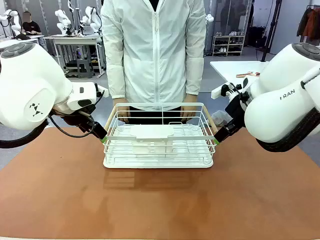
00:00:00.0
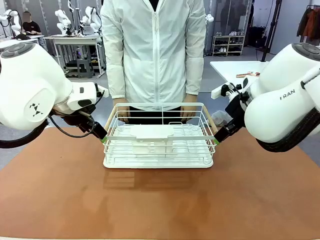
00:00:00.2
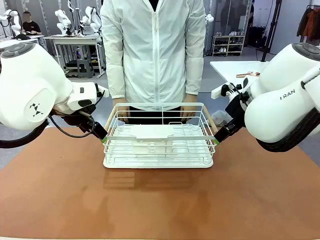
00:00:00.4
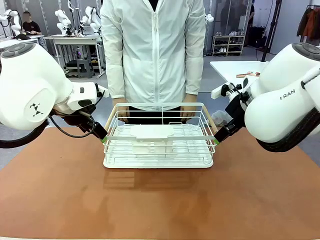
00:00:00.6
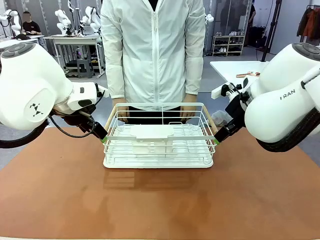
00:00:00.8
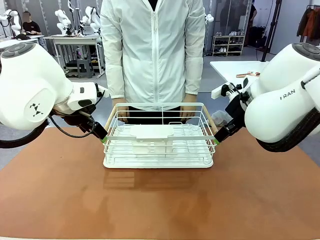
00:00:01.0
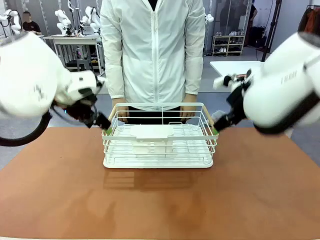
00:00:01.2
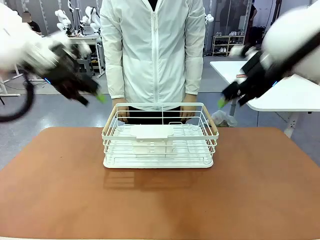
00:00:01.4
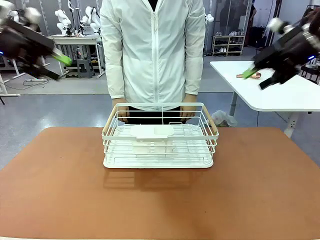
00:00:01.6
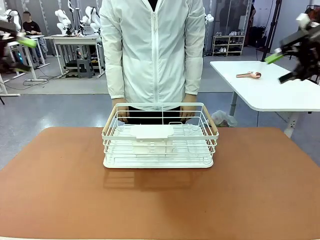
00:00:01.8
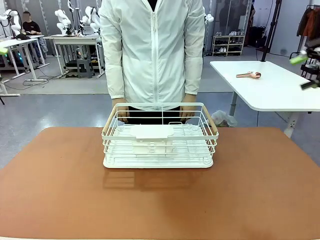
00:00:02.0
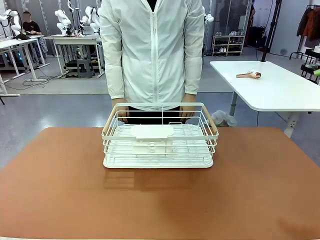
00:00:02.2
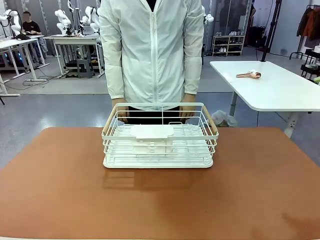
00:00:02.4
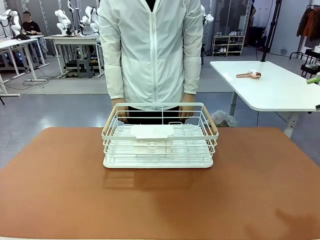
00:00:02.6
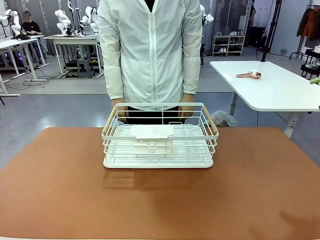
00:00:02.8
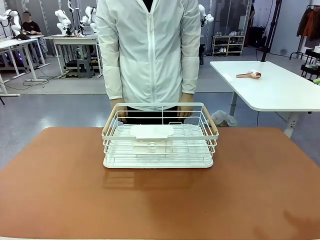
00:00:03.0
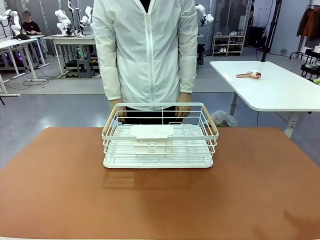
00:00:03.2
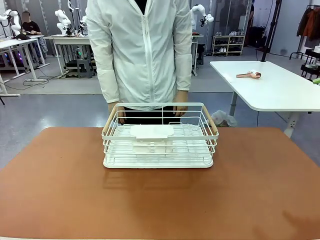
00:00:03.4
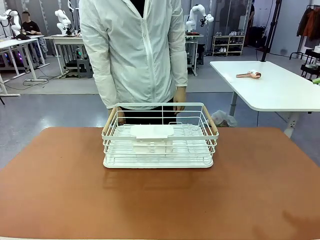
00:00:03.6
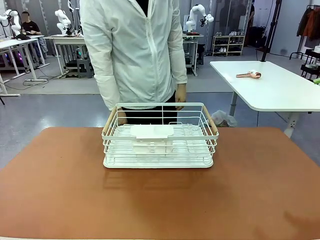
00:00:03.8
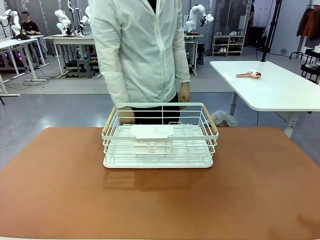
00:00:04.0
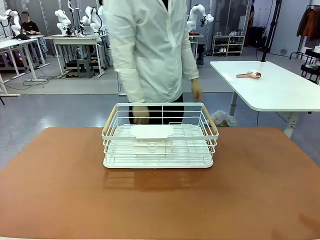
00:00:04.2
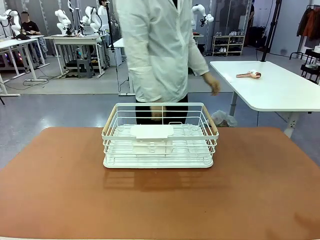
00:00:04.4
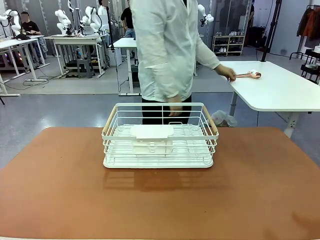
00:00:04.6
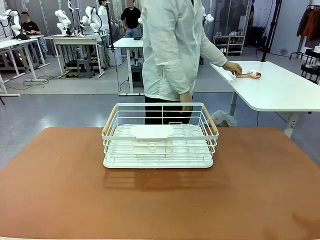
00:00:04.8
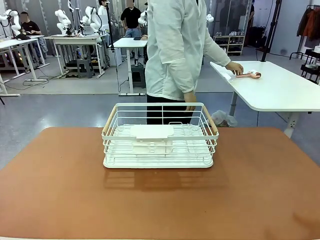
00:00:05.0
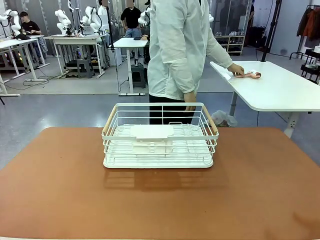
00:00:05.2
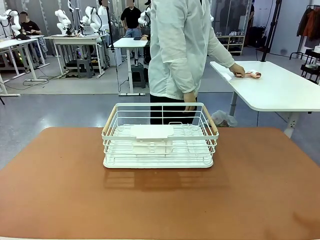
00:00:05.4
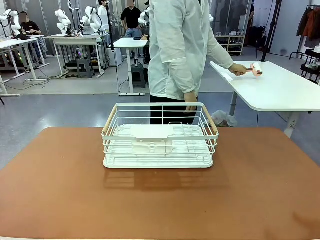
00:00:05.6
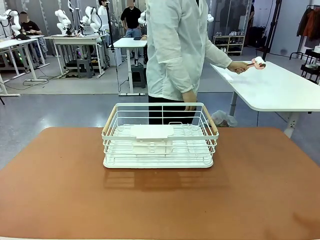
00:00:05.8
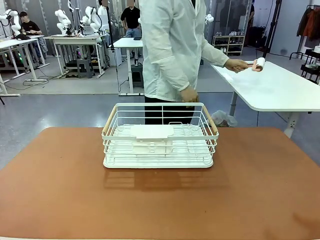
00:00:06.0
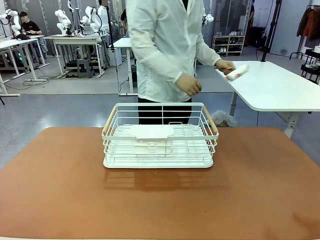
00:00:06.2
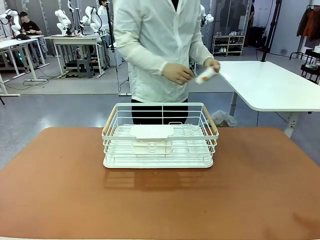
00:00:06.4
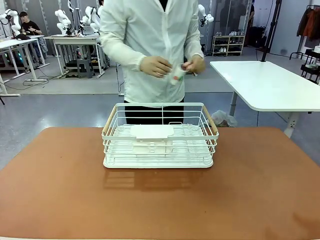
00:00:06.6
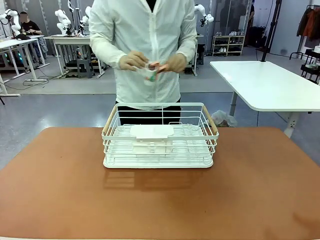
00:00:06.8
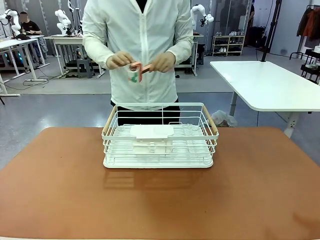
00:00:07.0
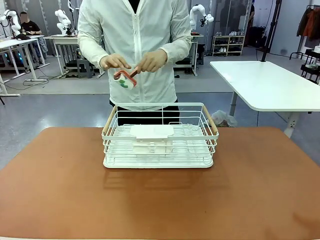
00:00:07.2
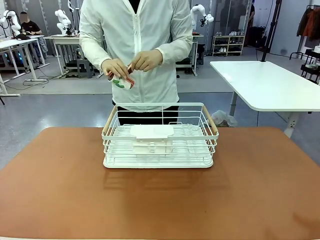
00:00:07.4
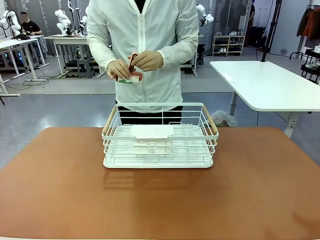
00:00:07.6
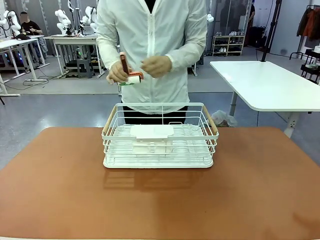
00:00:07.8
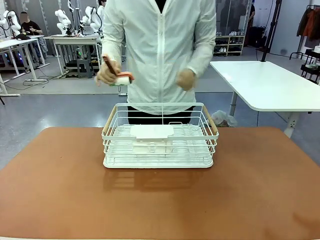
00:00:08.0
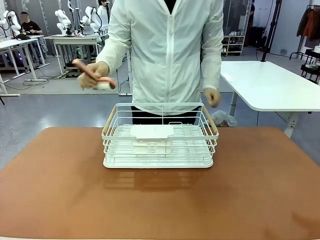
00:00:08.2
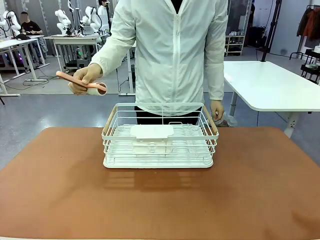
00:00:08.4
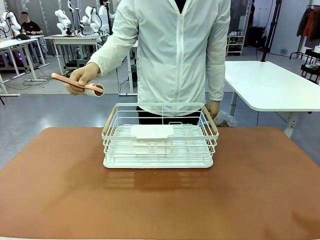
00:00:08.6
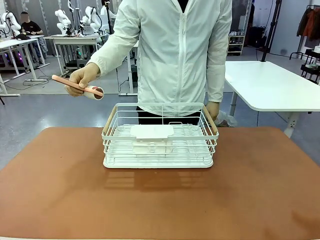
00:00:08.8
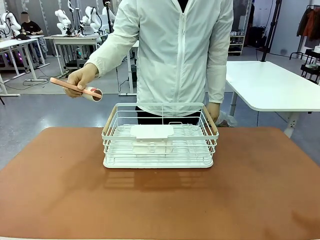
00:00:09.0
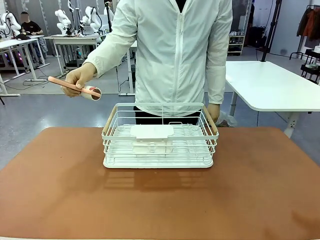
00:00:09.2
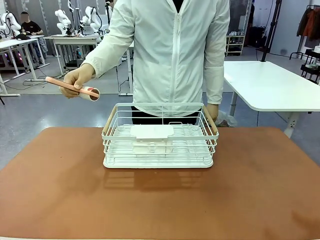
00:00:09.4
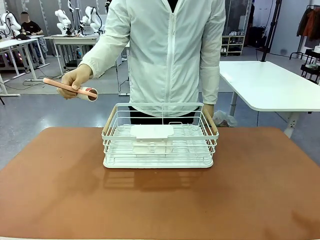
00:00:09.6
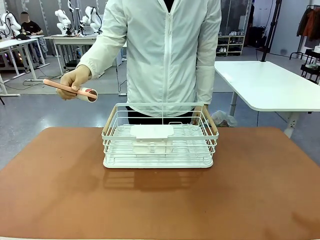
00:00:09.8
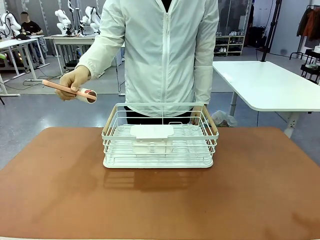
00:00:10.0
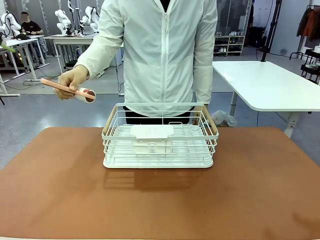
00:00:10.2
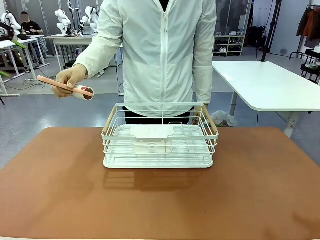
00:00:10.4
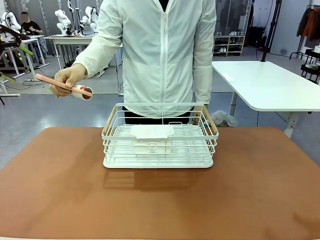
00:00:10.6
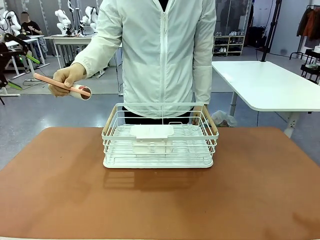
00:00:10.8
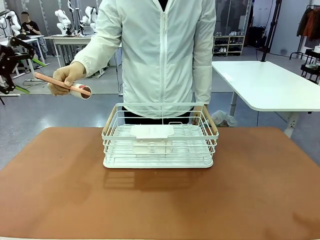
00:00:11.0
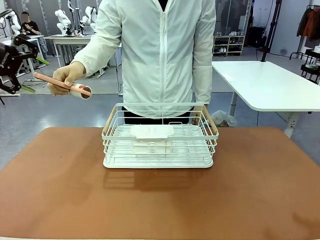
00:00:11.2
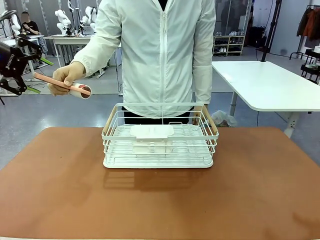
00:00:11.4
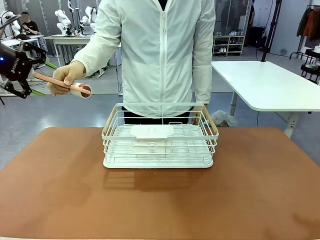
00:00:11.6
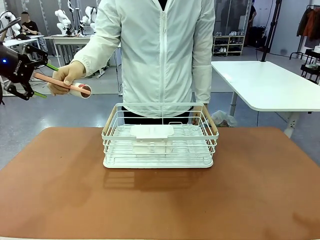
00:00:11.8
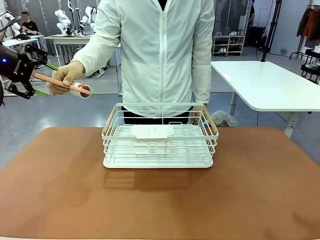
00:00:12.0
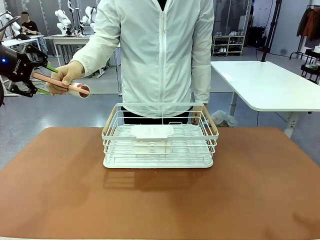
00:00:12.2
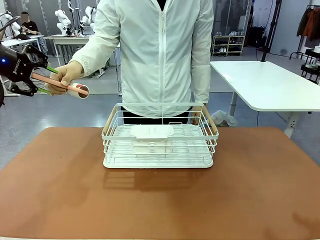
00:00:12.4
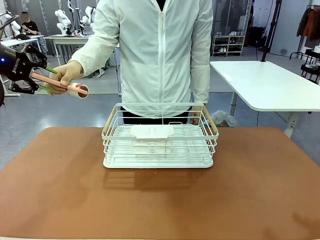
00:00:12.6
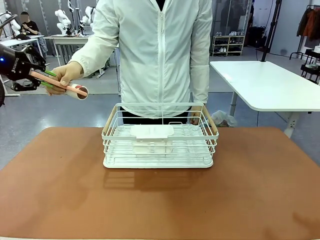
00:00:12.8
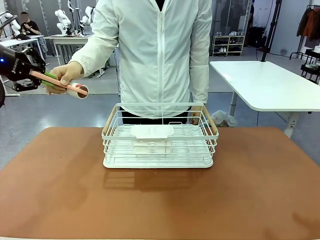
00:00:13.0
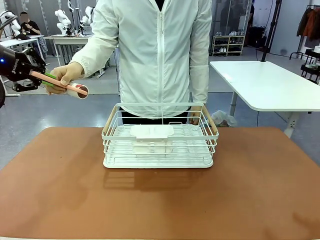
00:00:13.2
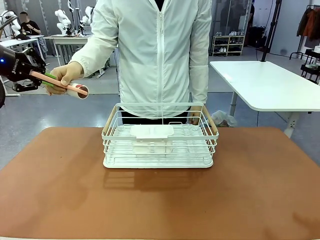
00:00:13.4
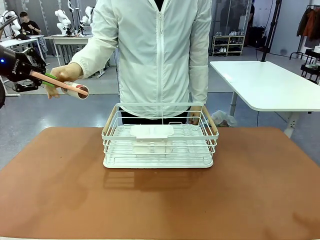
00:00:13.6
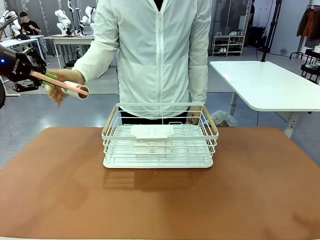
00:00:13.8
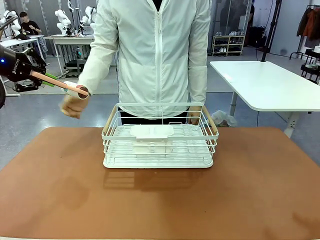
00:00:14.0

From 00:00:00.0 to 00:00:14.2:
Task: Clean the table.
Robot: Pick up the Lint Roller when the human hands it over.
Person: Hand the Lint Roller to the robot so it can easily pick it up. Lift the Dish drying rack.

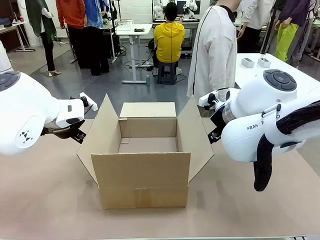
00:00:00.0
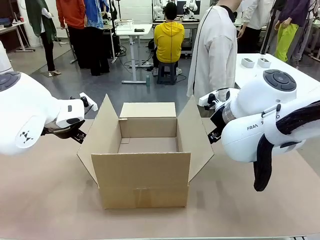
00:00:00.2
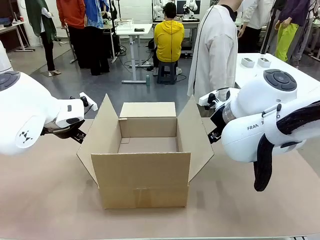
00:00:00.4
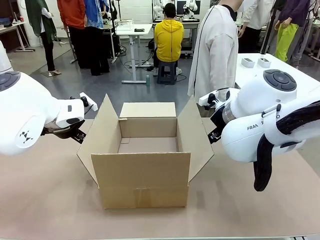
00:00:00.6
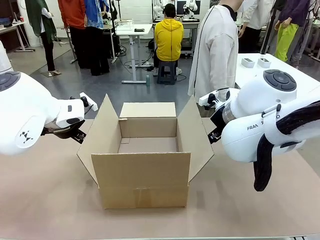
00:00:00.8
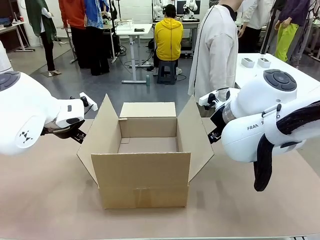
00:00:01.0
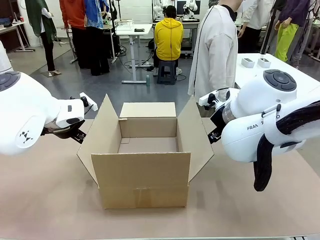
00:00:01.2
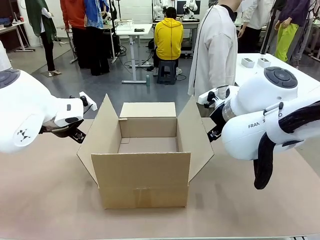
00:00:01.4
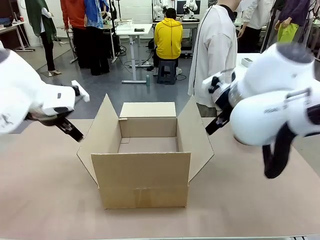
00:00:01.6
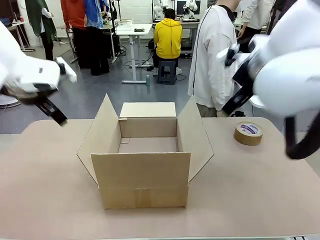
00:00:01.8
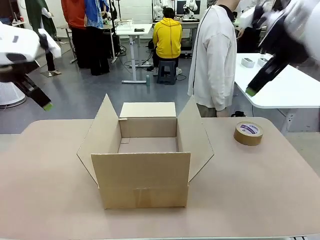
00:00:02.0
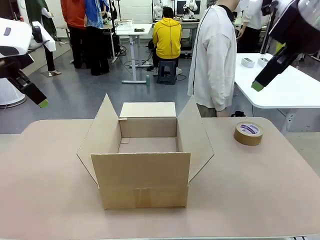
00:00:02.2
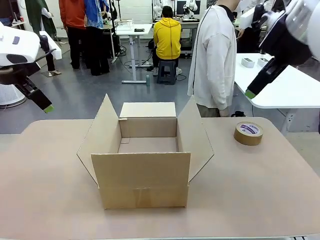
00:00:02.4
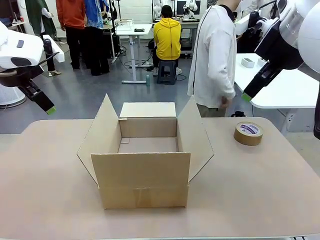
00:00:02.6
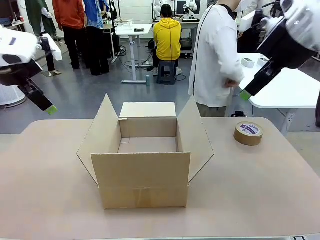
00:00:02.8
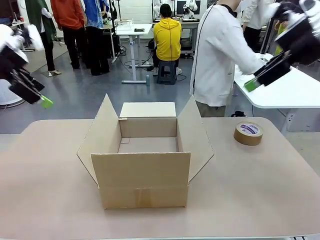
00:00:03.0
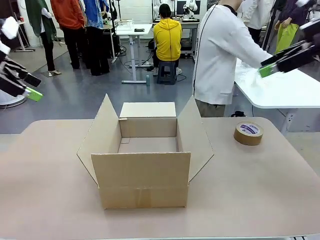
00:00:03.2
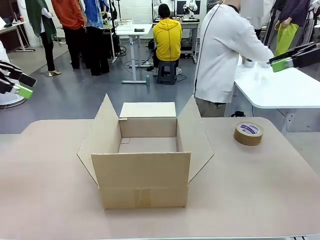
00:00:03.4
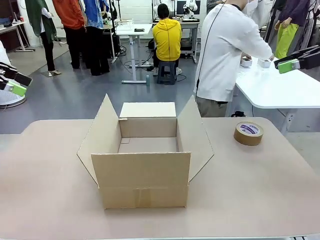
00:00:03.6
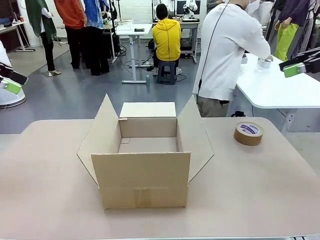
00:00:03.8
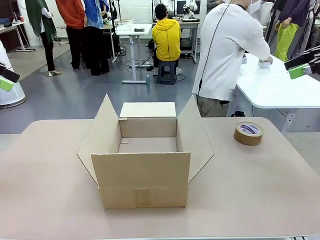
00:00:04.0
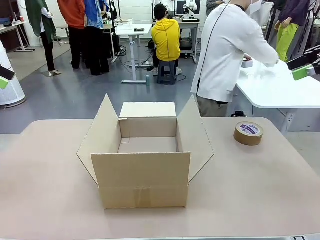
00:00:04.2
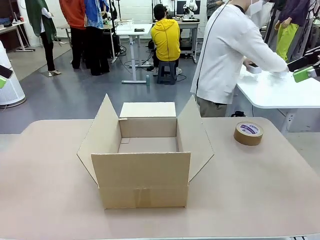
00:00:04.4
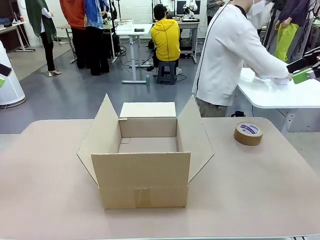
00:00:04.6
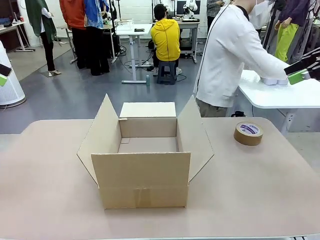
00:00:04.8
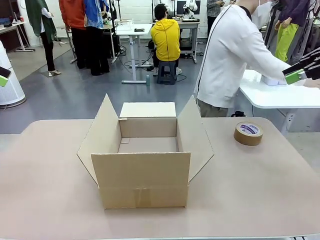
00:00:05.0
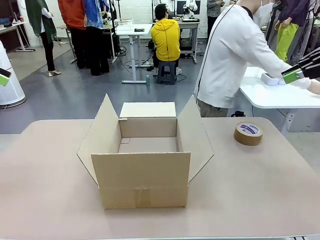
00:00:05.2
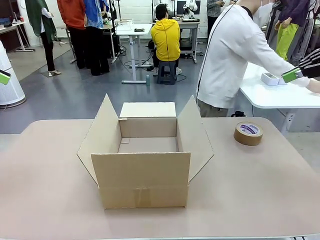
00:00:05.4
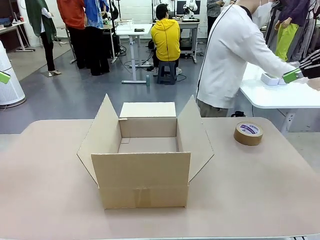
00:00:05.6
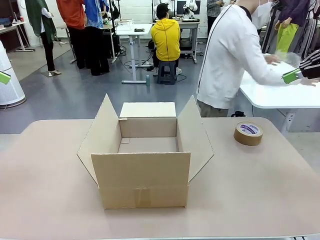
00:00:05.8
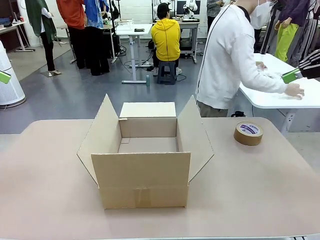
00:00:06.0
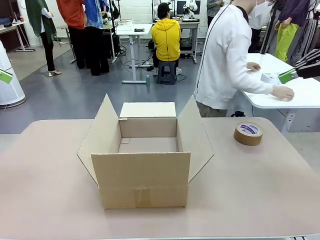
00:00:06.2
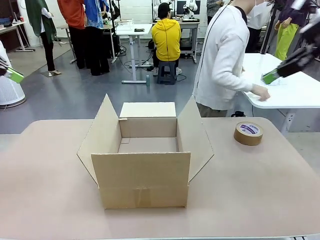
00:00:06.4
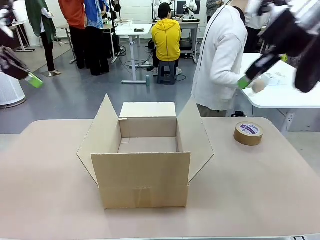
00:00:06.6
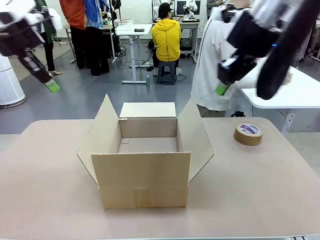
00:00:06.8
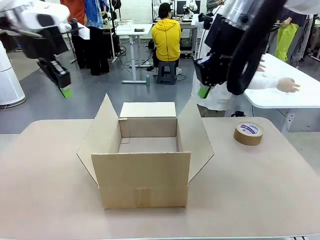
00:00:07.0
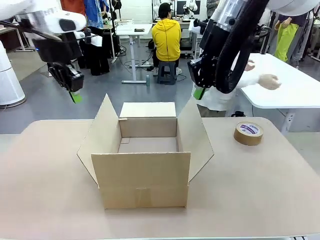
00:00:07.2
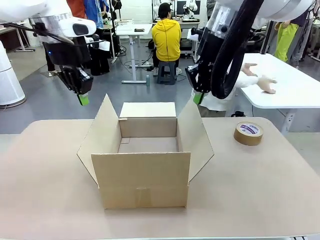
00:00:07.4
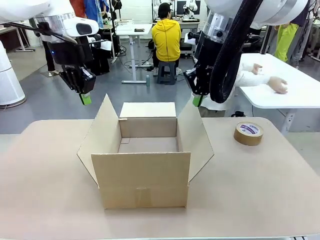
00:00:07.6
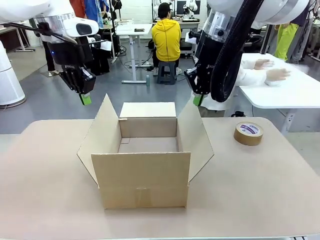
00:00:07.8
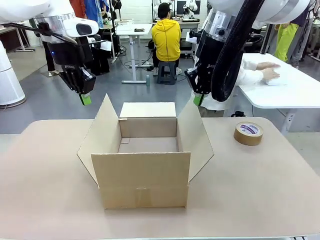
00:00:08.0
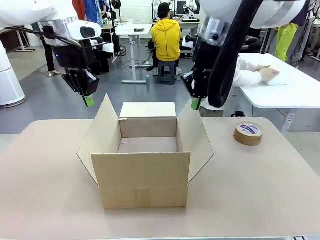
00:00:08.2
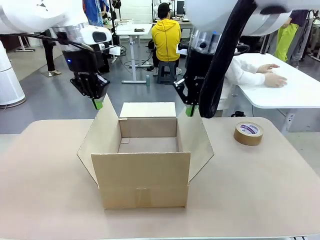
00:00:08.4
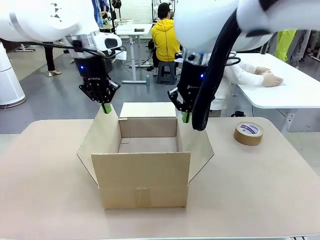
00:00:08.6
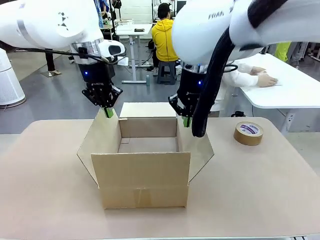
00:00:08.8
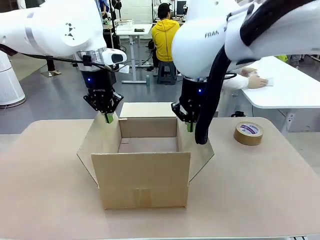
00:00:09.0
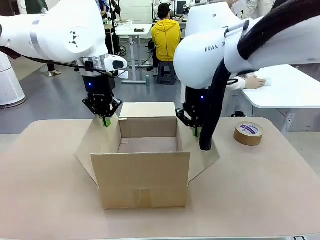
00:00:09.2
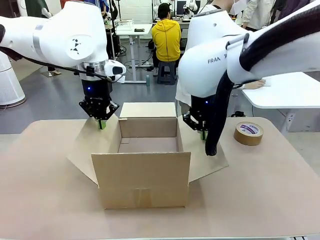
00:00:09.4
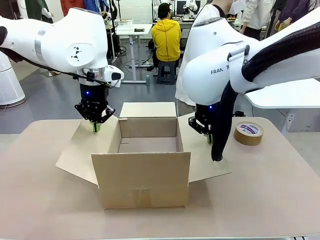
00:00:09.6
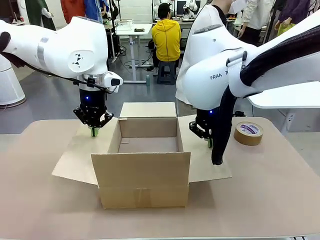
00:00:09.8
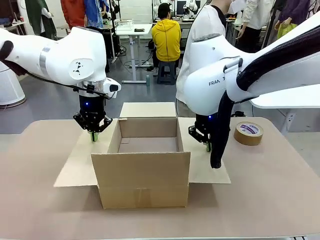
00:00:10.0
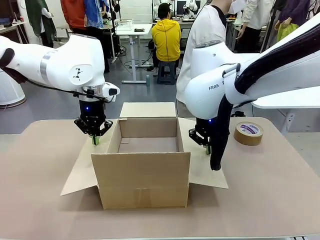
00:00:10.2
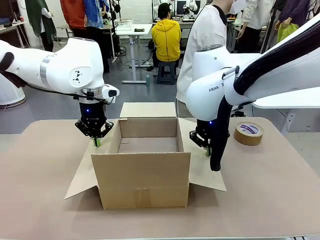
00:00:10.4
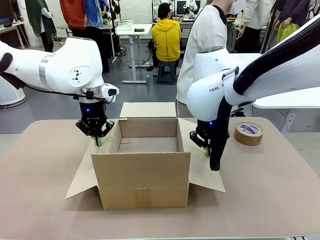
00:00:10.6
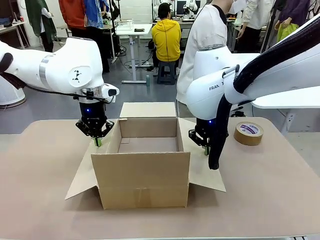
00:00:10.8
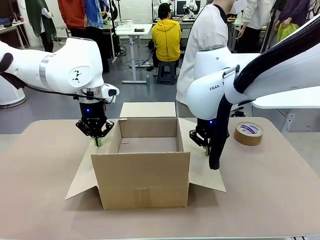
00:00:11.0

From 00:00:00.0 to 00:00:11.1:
Task: Wrap the clocks to prevent damage.
Robot: Open the side flaps of the Package Box.
Person: Wrap the two Digital clocks with Bubble Wrap.
